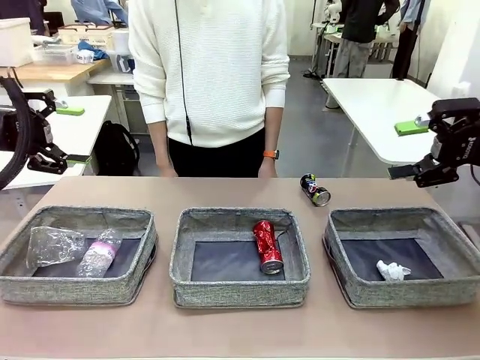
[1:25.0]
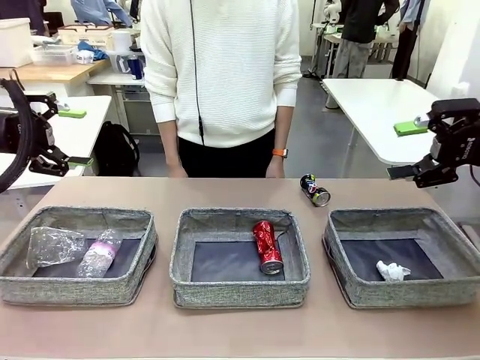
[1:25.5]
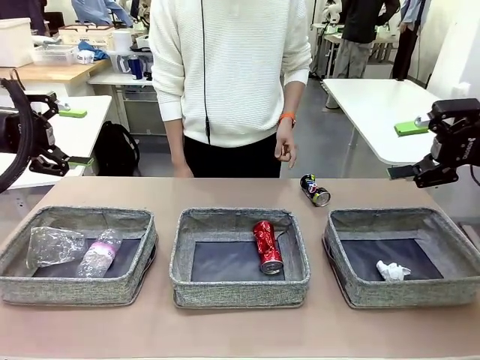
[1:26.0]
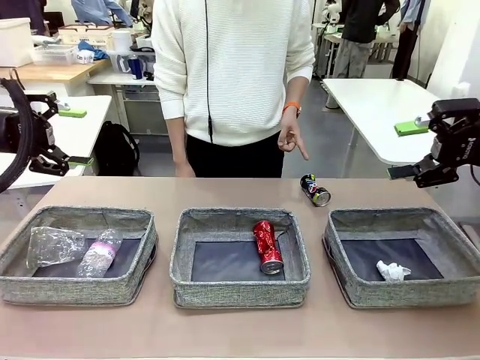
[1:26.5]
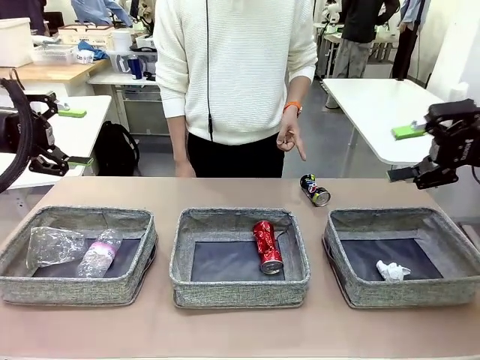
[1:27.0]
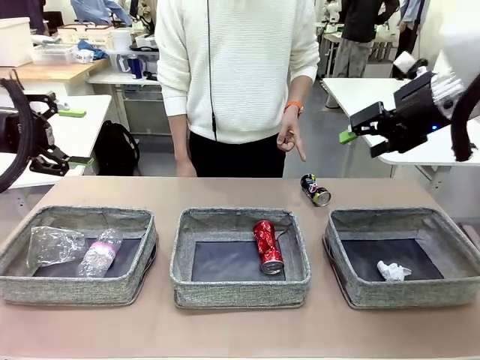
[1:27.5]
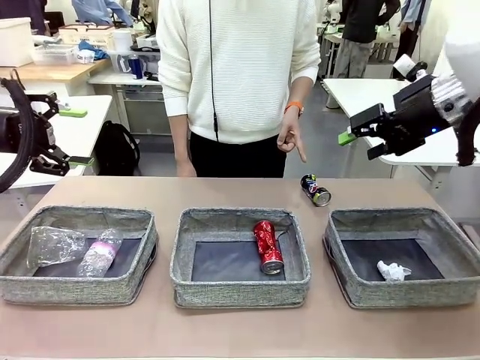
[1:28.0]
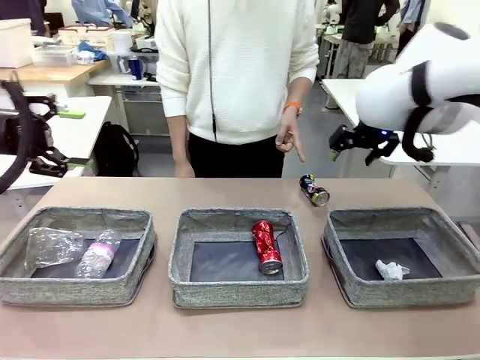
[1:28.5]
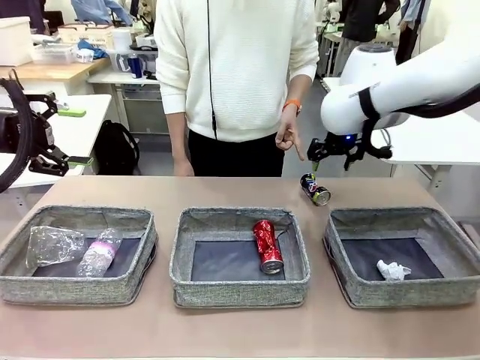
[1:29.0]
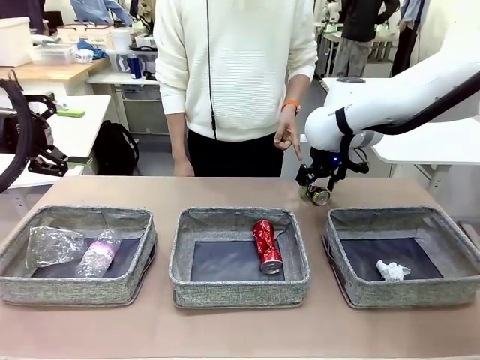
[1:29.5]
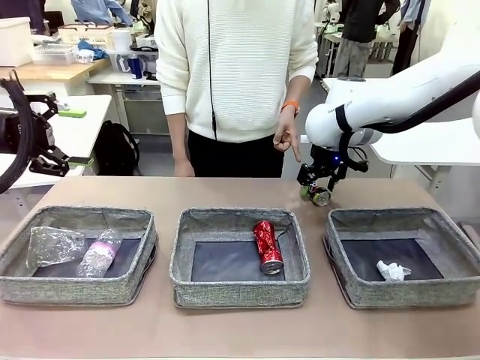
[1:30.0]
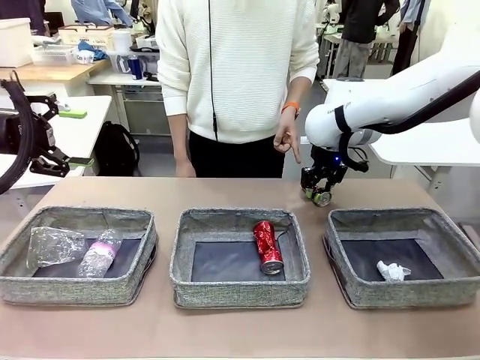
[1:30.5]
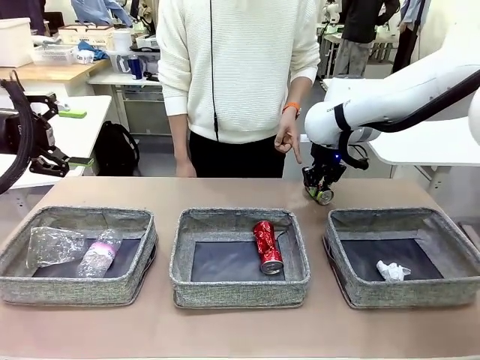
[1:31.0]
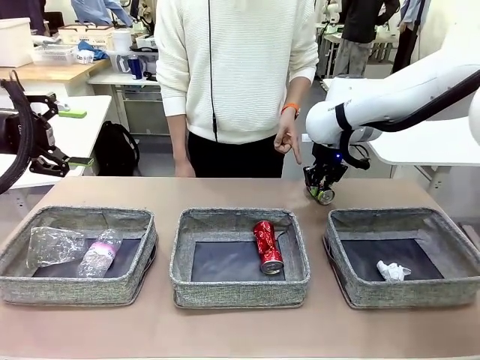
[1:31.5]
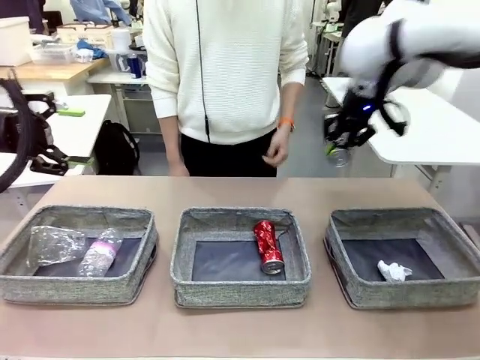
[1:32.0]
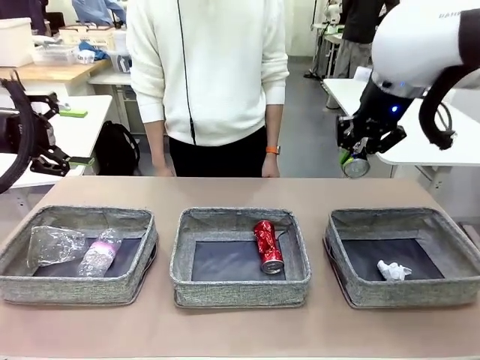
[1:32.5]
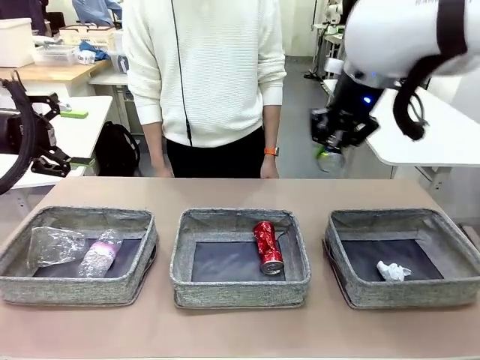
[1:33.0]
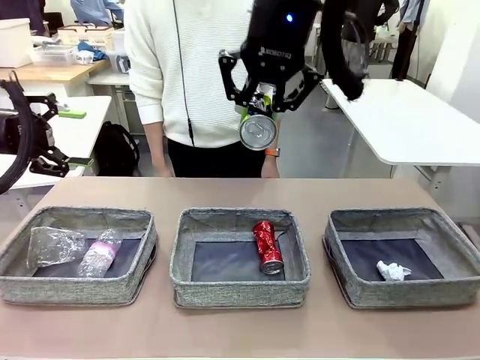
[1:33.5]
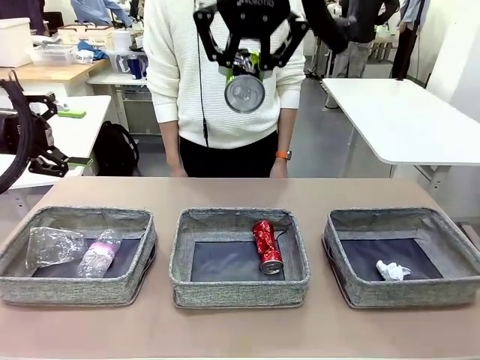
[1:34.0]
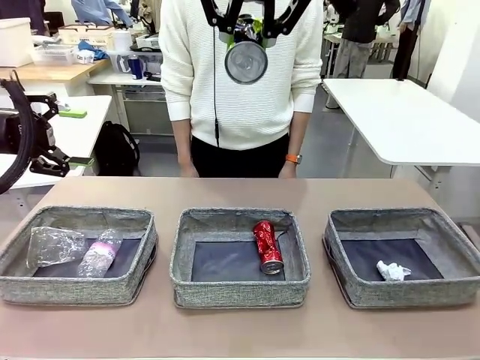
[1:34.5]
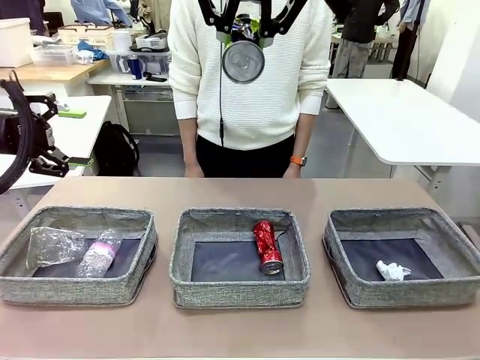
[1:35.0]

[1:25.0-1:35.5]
Task: Sort the waste into the appropriate baskets.
Robot: Pick up the waste item pointed out by the person.
Person: Points to one piece of trash on the table.

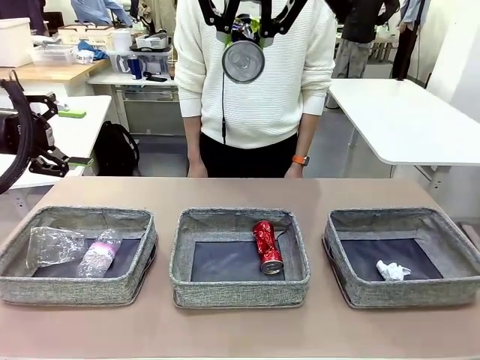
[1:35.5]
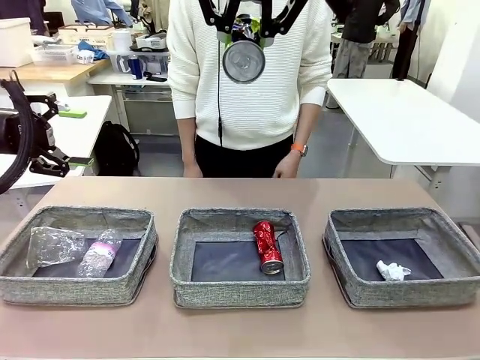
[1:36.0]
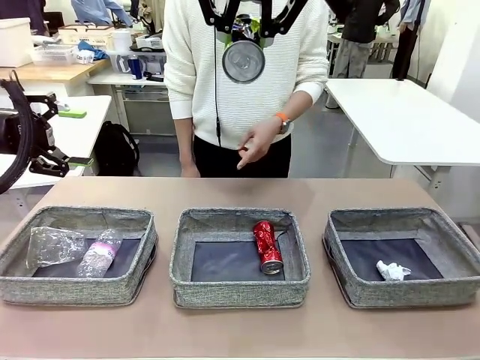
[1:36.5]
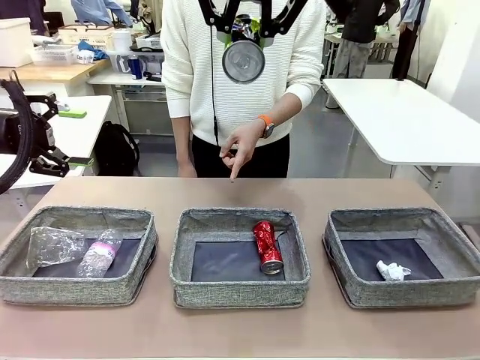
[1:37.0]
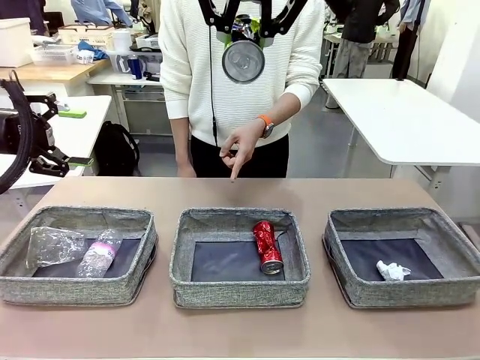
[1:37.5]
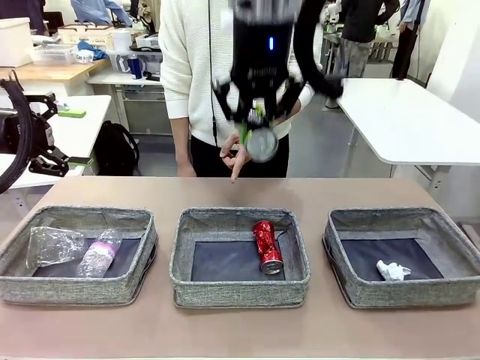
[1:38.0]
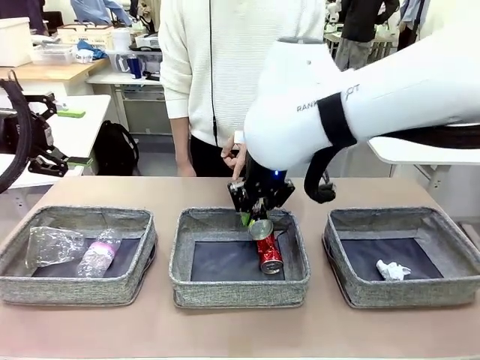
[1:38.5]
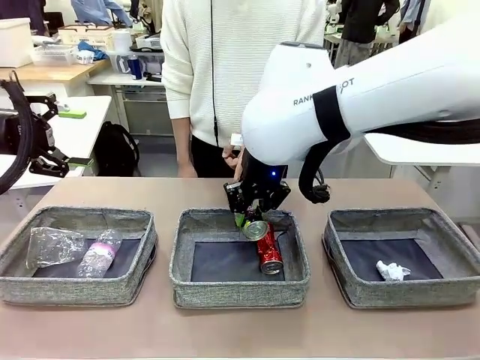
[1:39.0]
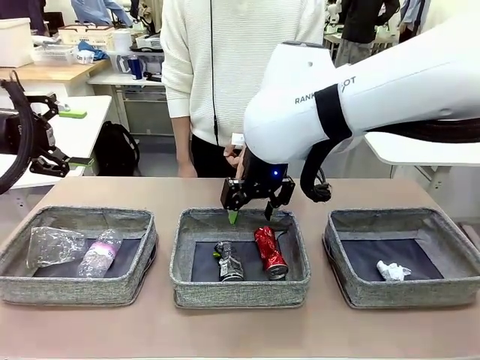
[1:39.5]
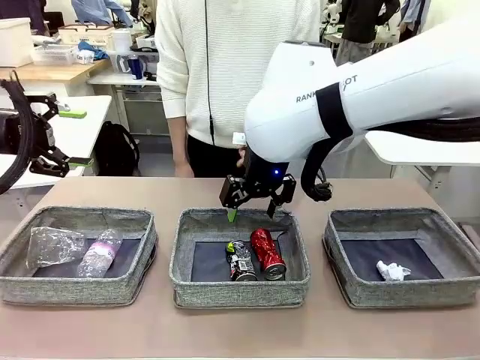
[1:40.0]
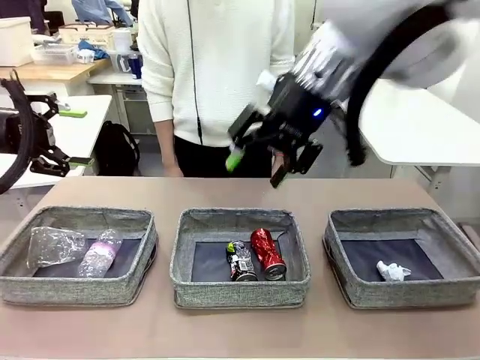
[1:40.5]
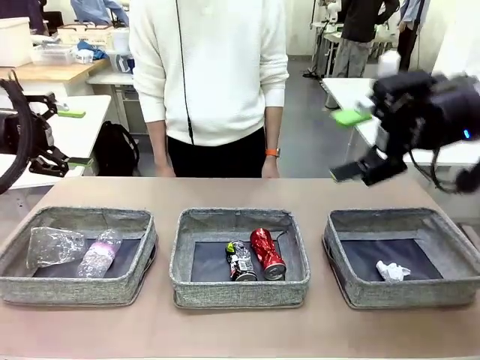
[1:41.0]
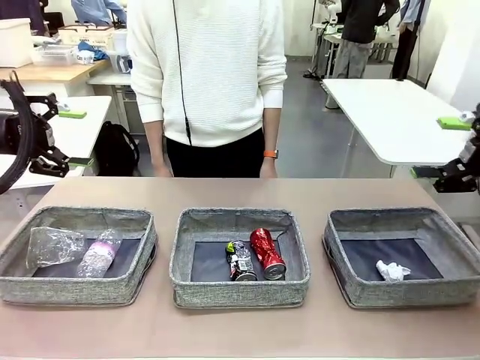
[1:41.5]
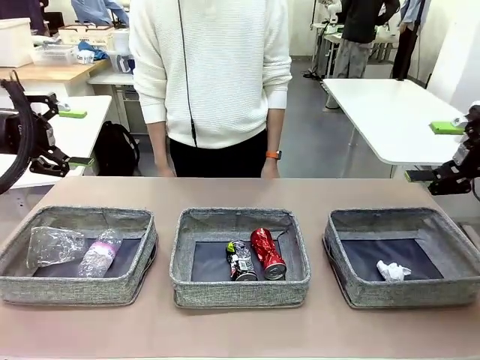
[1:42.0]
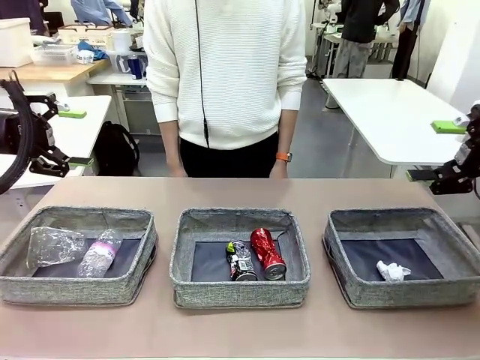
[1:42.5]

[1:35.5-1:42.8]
Robot: Place the picked waste into the Fabric basket indicated by the person.
Person: Instructs the robot to place the picked-up trash into the appropriate organizing basket.
